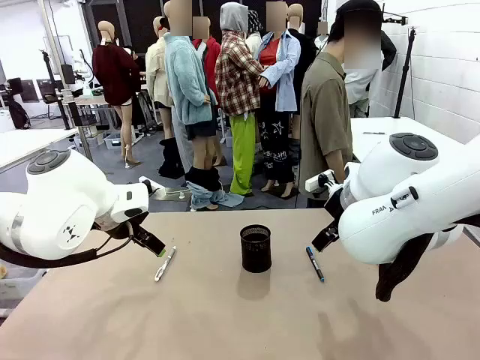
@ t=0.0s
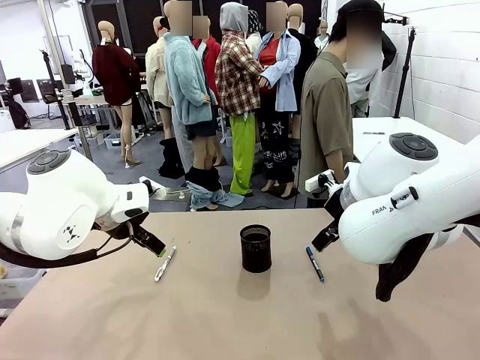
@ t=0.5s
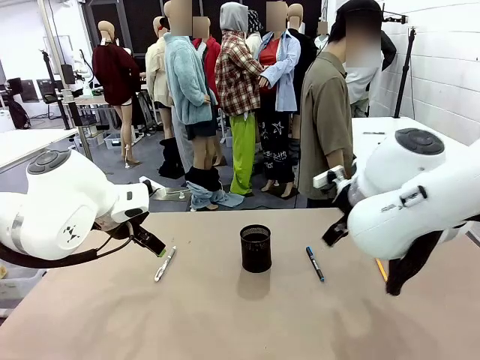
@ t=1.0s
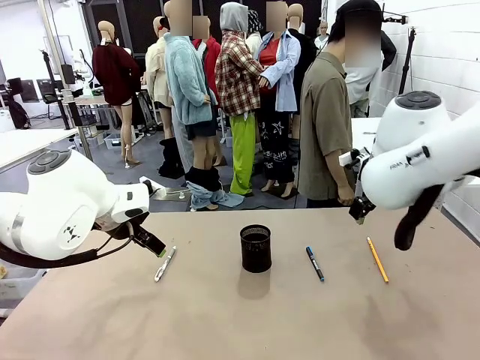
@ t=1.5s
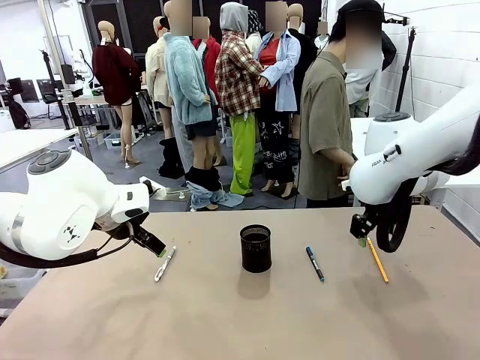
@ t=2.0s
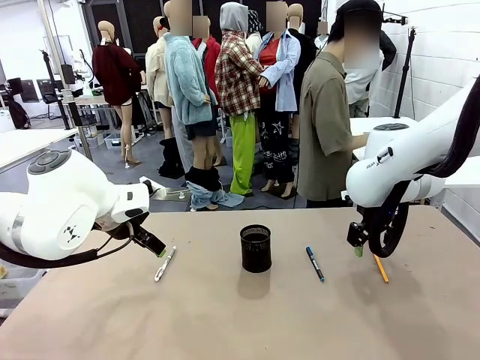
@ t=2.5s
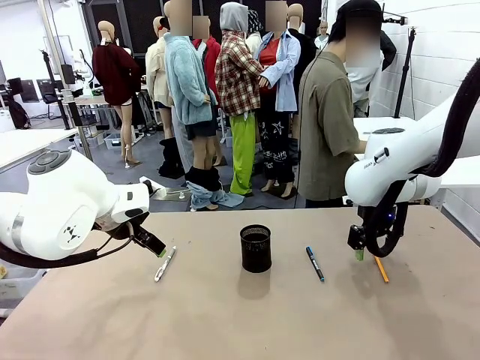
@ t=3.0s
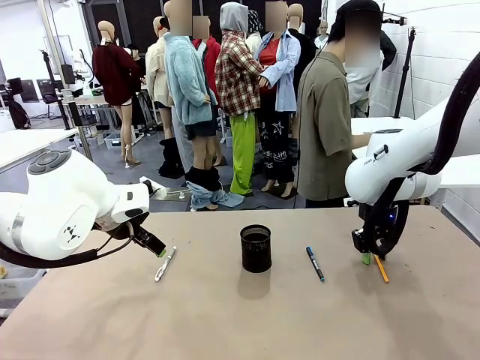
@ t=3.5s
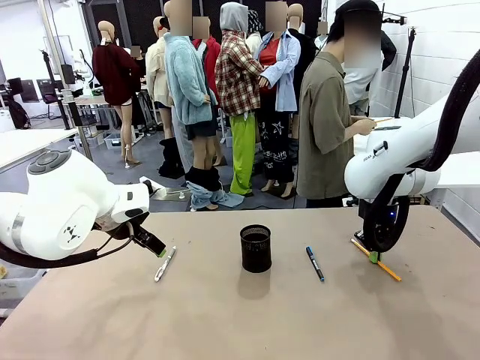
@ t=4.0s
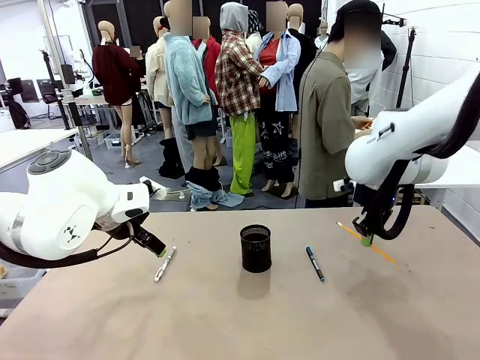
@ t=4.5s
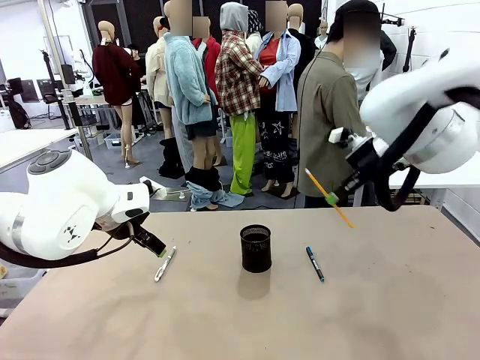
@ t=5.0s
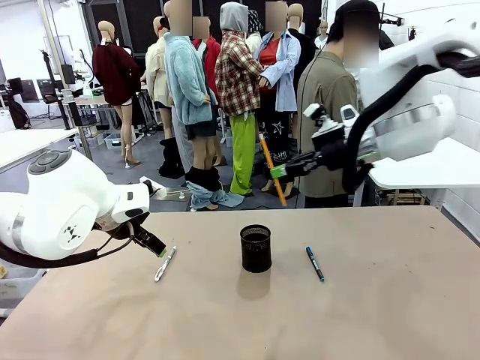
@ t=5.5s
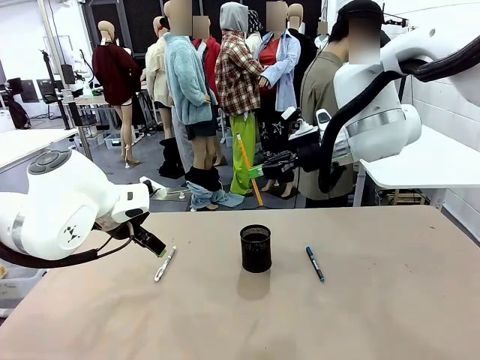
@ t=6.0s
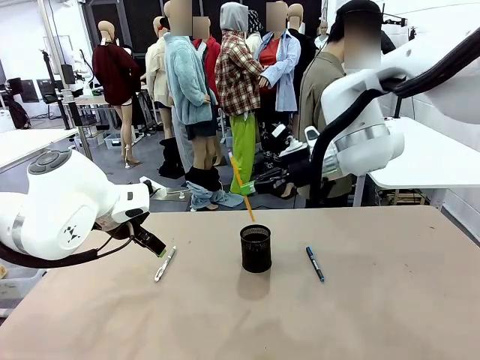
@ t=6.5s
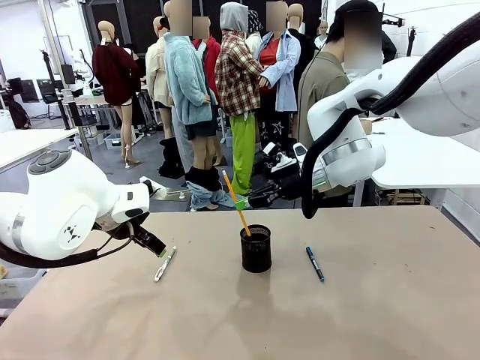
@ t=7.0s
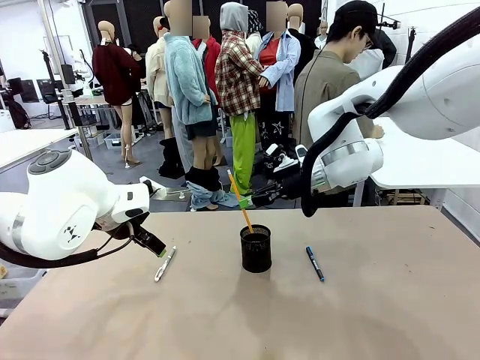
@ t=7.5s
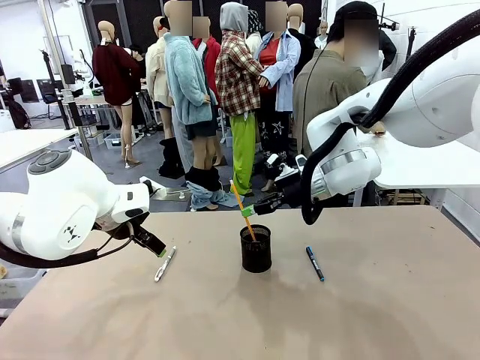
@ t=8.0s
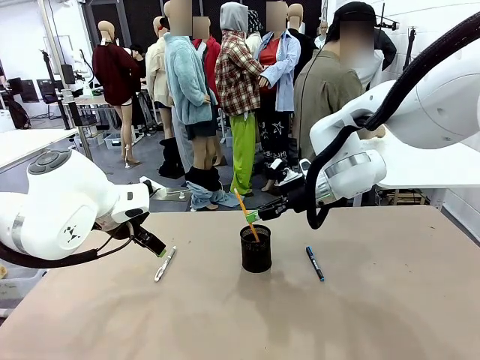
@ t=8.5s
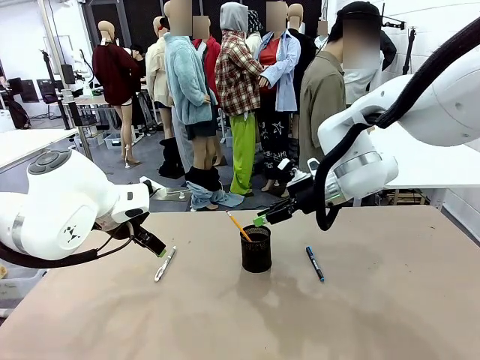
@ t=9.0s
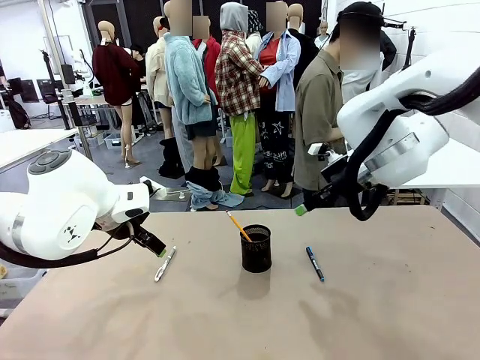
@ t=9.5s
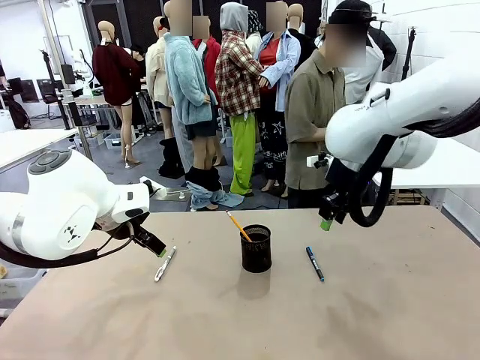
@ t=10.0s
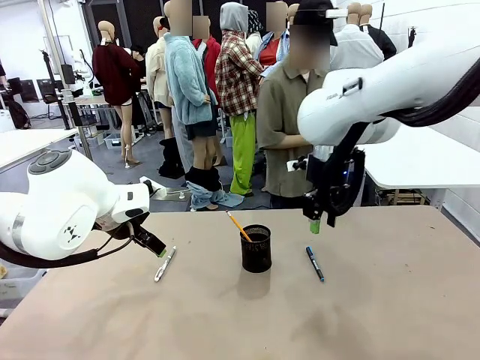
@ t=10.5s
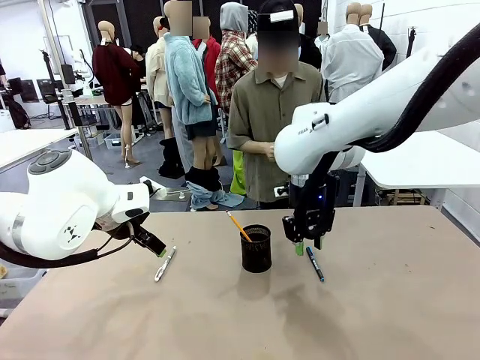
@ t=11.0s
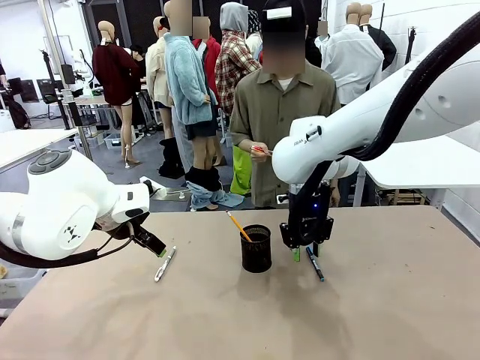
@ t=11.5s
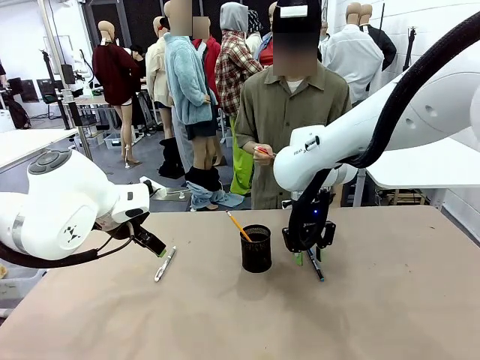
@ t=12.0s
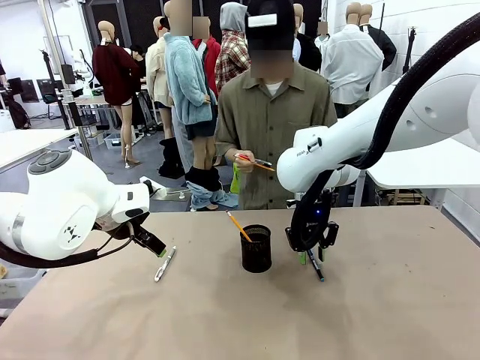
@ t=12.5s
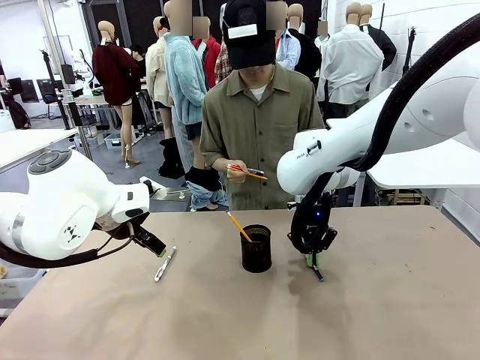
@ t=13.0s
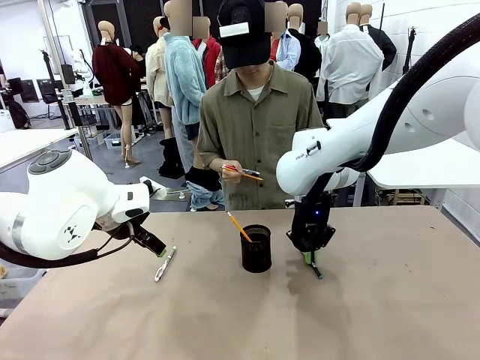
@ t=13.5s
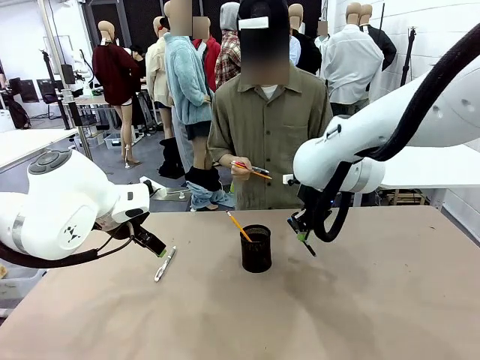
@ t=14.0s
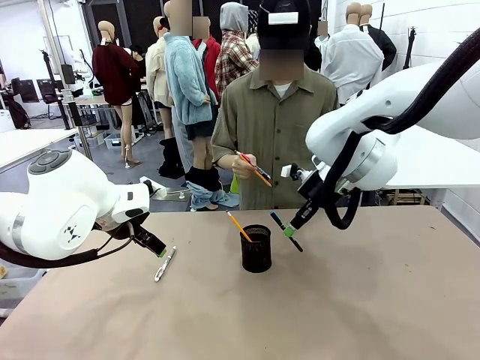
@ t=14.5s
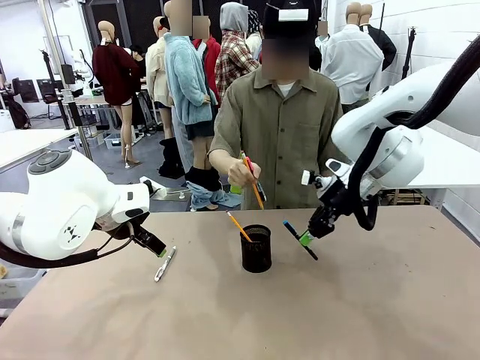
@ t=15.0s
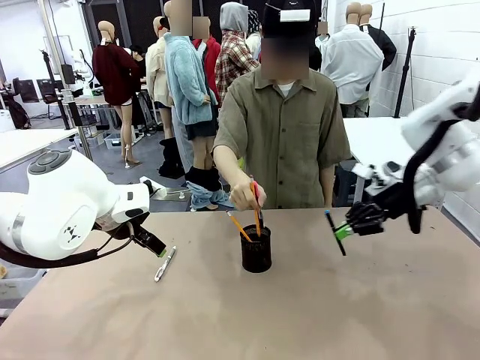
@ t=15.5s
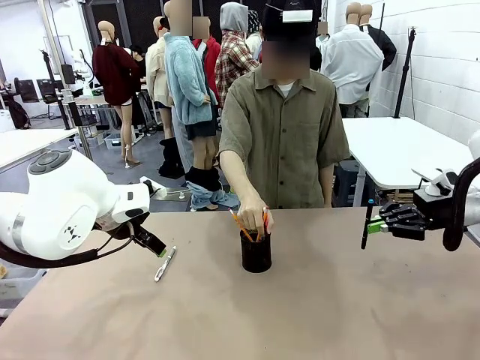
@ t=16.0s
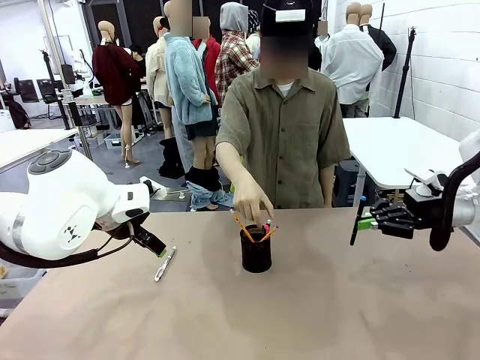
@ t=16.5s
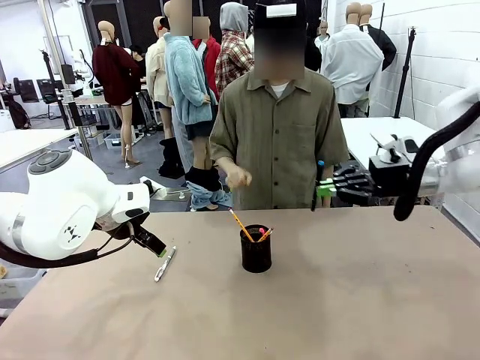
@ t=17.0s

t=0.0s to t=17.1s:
Task: Place the pens into the pen holder.
Robot: Pick up a writing instrument from the table and place it into the Pen holder.
Person: Pick up all writing instruments from the Human table.
